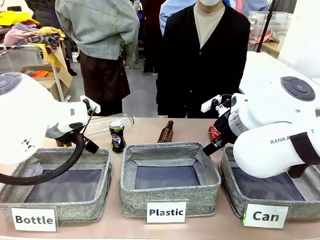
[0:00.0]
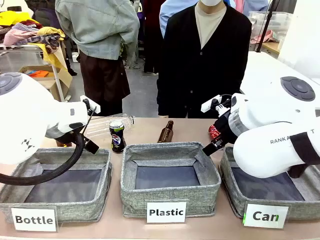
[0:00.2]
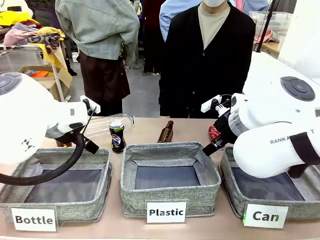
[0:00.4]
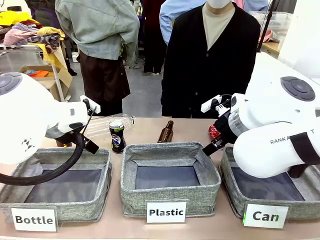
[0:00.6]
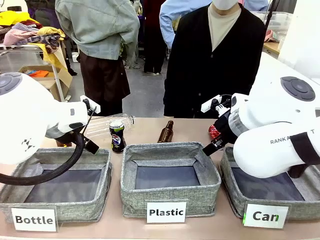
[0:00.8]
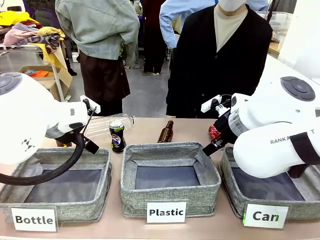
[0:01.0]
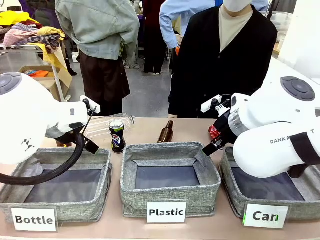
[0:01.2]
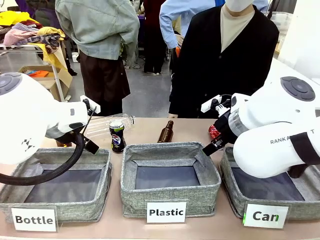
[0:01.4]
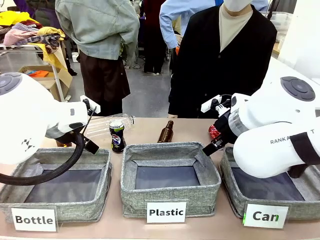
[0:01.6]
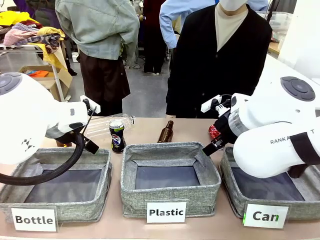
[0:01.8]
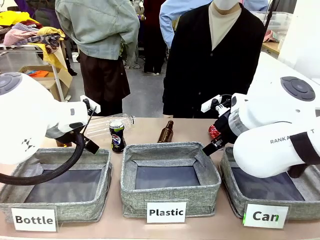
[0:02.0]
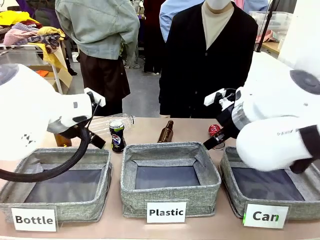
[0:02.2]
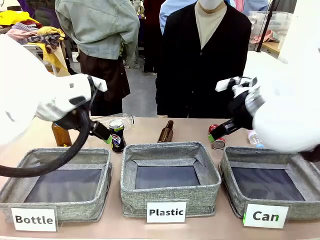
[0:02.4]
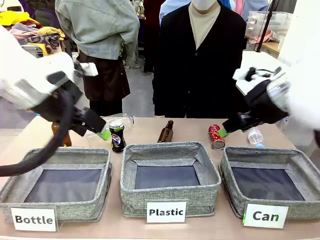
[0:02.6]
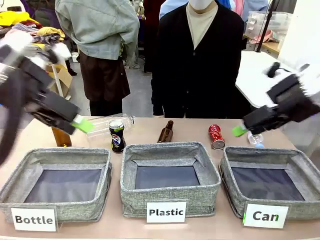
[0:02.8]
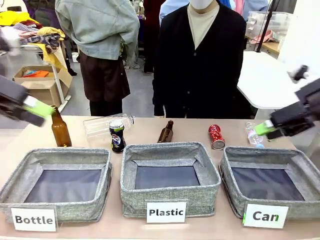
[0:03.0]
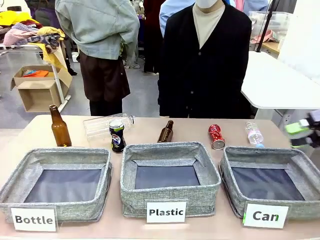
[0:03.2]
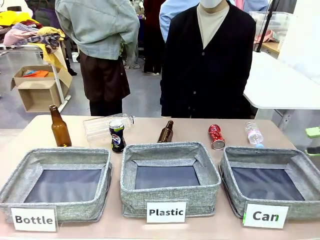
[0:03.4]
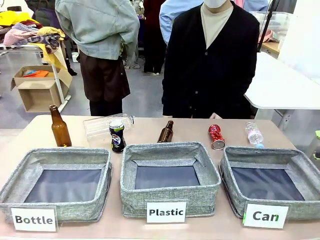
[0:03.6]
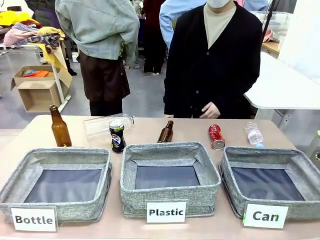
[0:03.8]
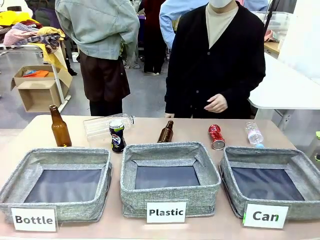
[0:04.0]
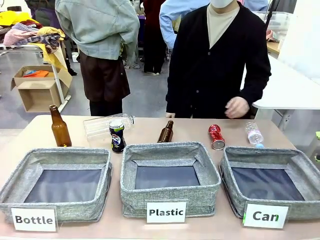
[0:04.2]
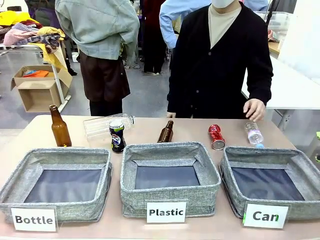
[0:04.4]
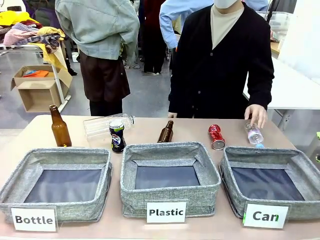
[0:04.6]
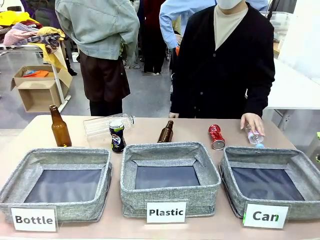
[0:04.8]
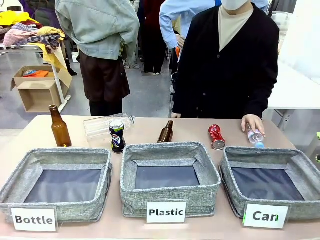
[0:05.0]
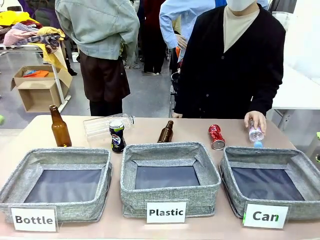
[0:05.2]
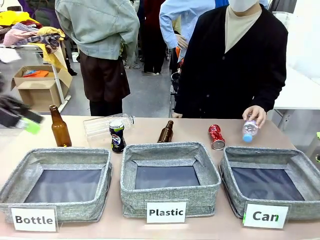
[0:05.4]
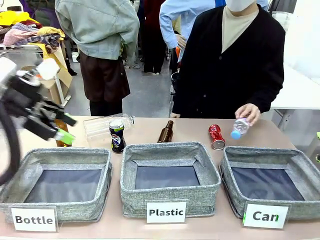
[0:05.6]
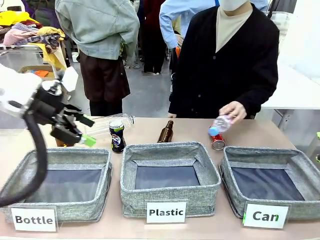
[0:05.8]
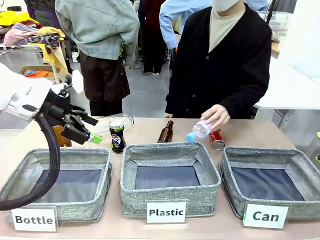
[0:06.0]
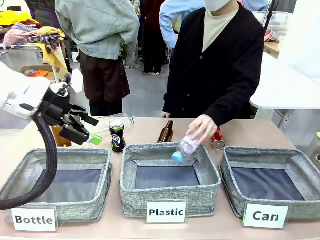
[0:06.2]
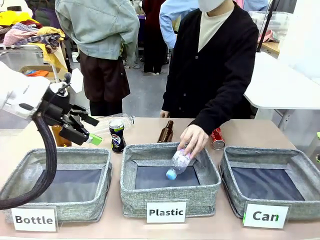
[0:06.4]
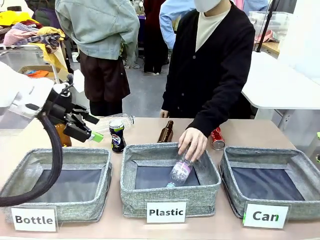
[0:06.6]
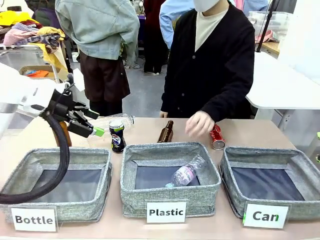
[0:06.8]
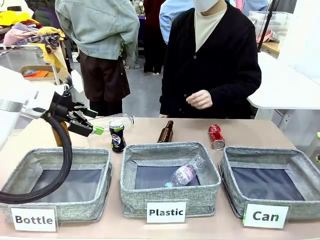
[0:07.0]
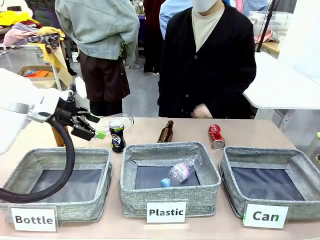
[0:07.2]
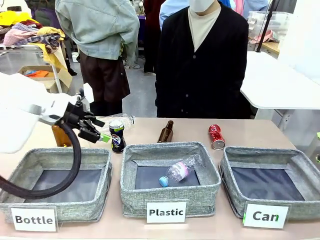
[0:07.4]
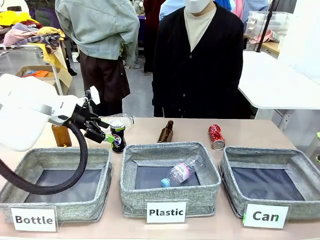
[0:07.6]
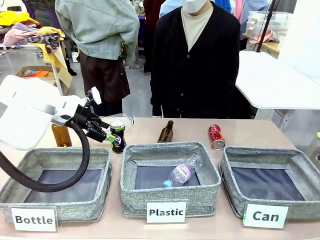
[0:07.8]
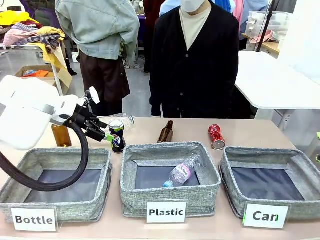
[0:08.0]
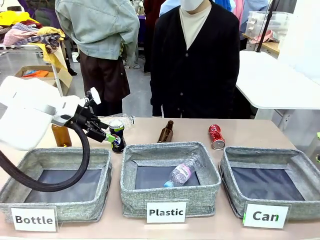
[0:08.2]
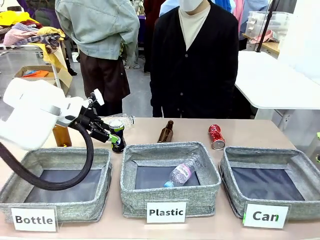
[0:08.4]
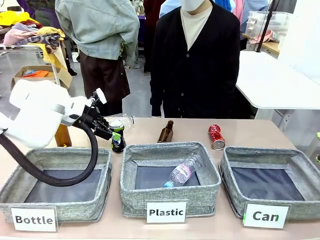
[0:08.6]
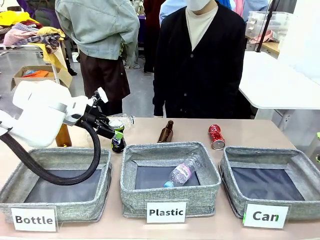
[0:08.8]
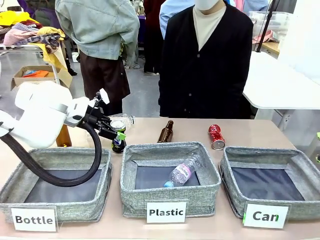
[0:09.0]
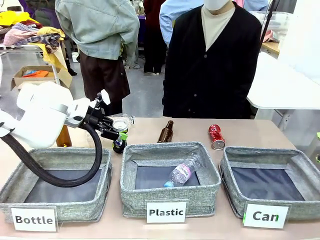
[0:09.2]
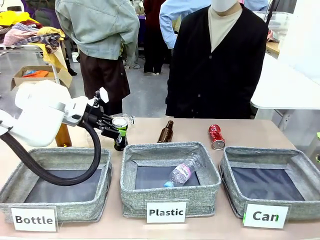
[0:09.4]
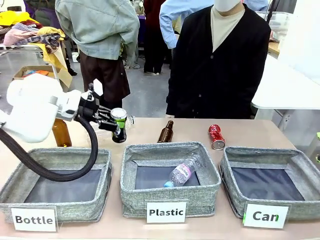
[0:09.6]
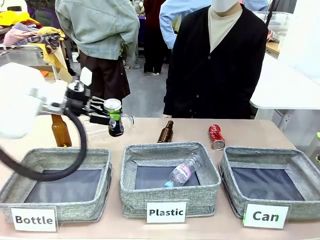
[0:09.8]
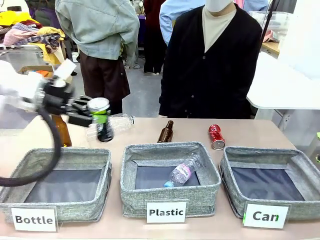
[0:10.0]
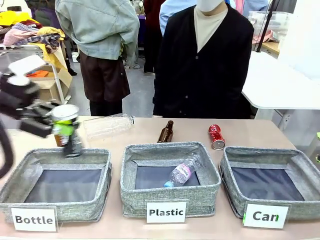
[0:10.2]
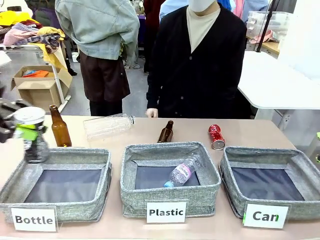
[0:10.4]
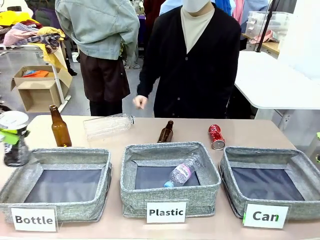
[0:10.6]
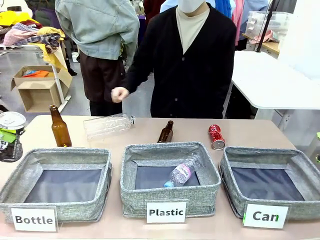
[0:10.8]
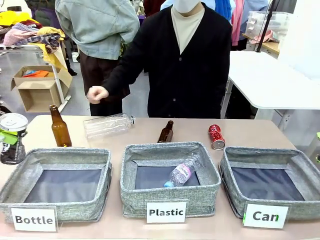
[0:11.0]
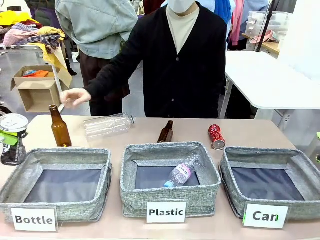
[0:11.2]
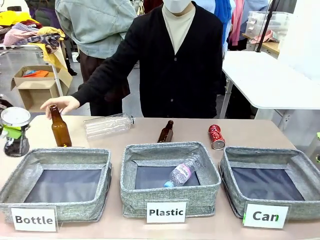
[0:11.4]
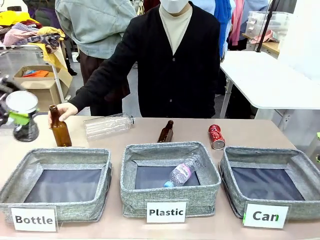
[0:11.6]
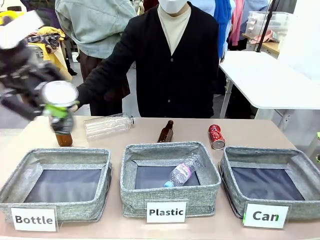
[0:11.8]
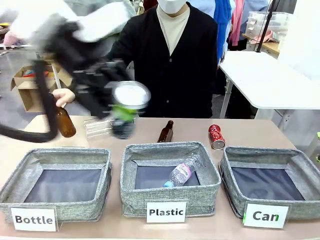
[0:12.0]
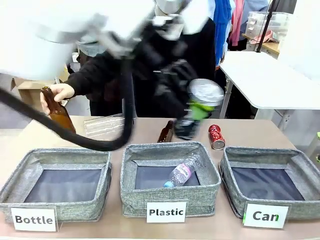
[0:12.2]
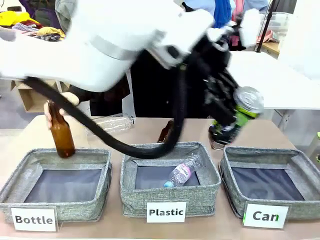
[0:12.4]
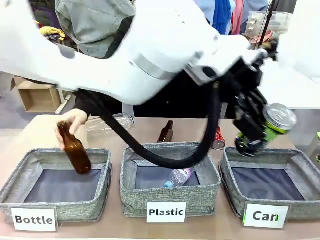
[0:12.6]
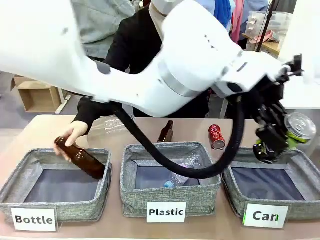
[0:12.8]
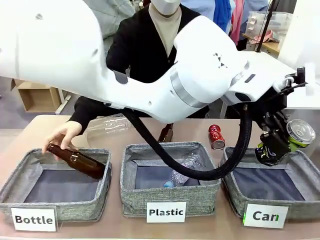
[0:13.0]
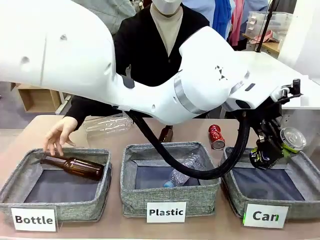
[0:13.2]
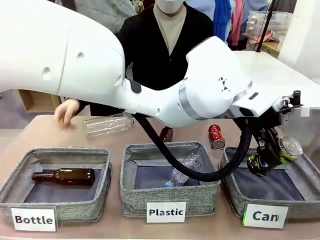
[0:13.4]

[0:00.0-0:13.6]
Task: Sort the can waste into the basket.
Robot: Pick up the can waste from the table and place it in the right Fabric basket.
